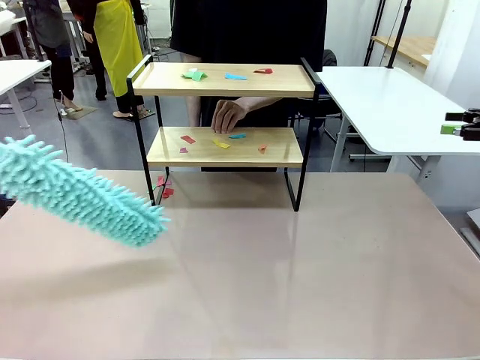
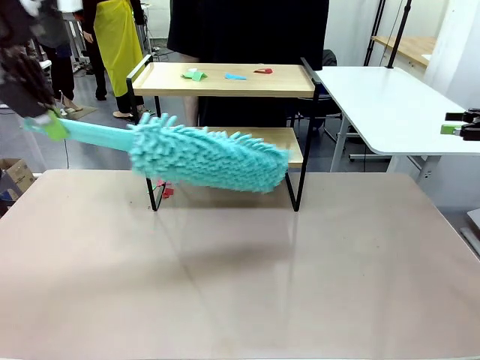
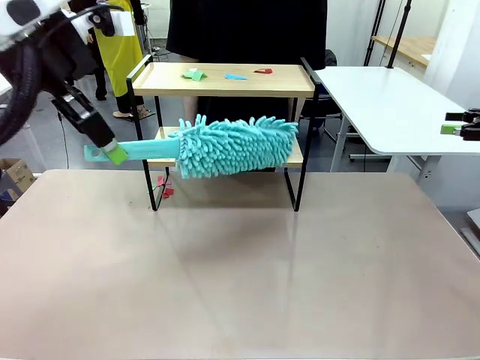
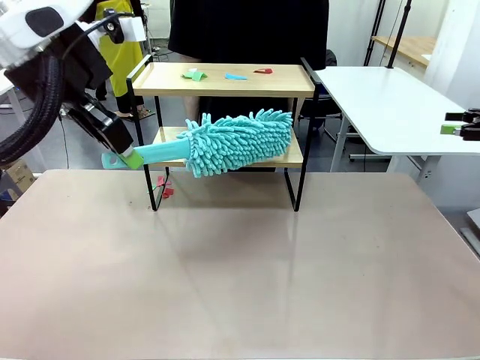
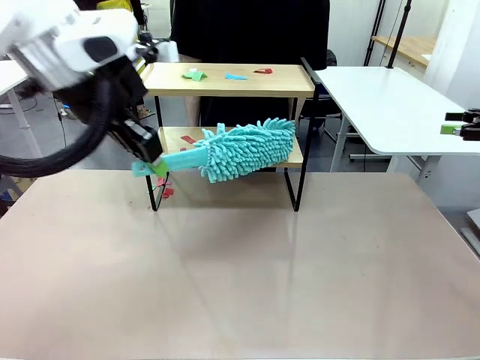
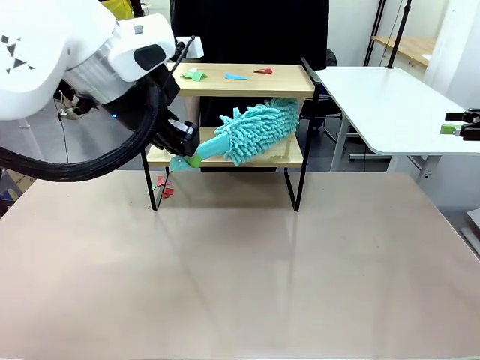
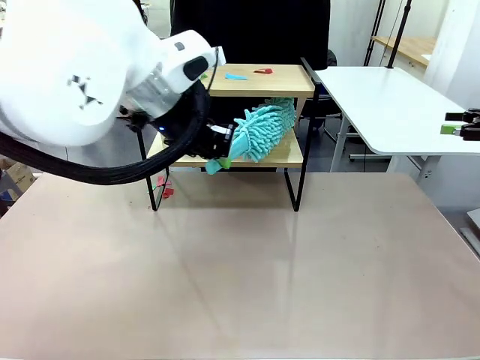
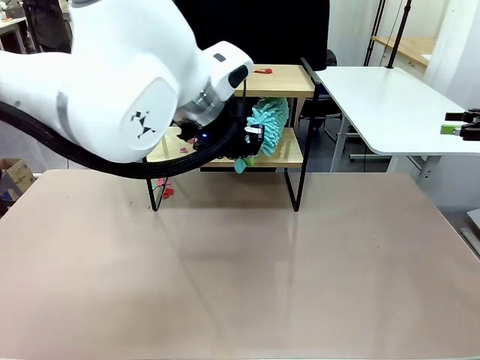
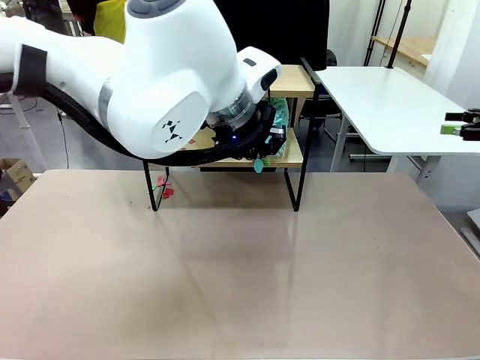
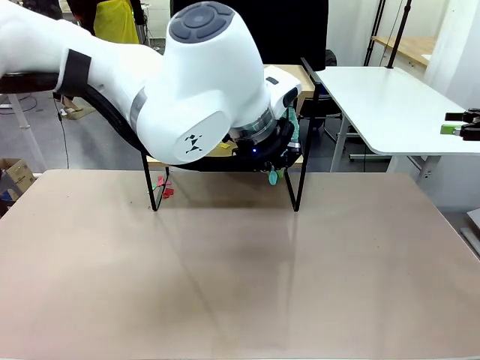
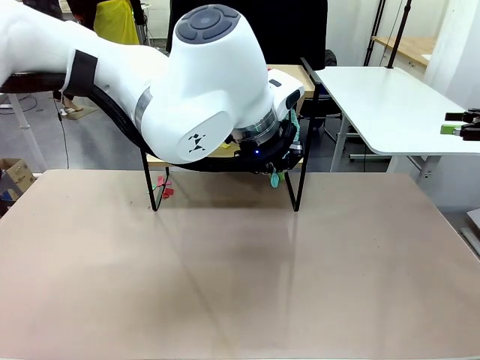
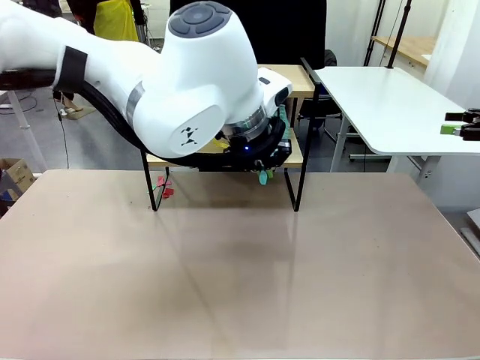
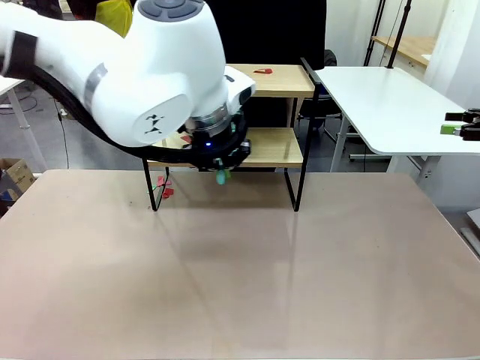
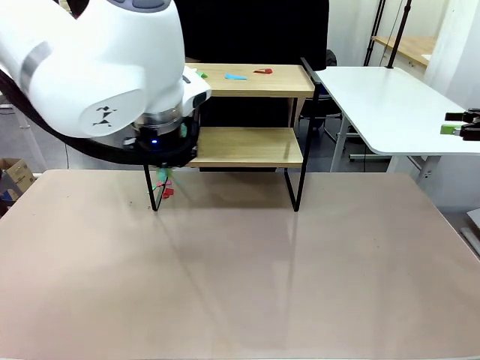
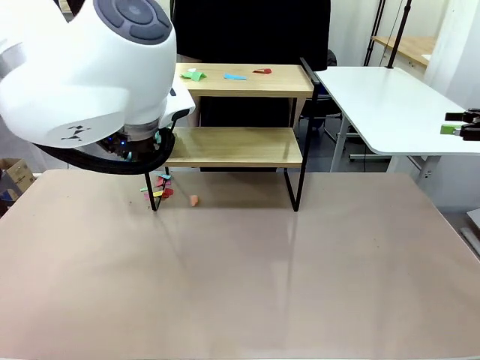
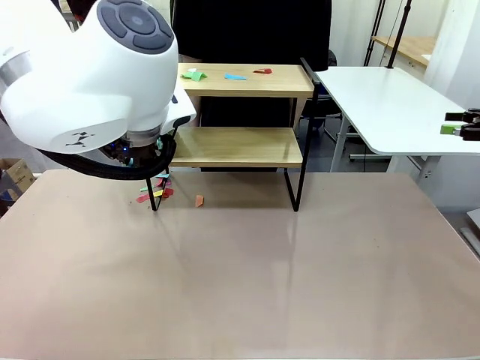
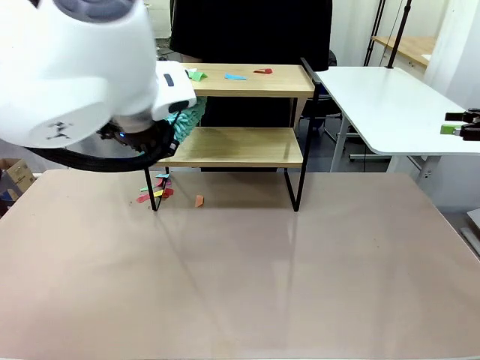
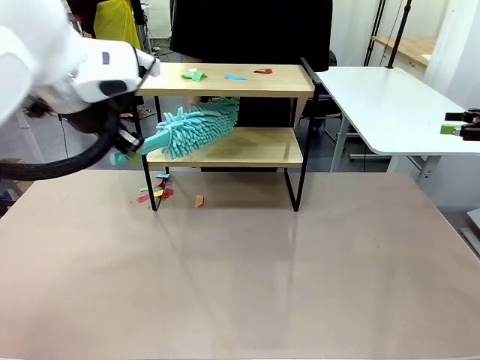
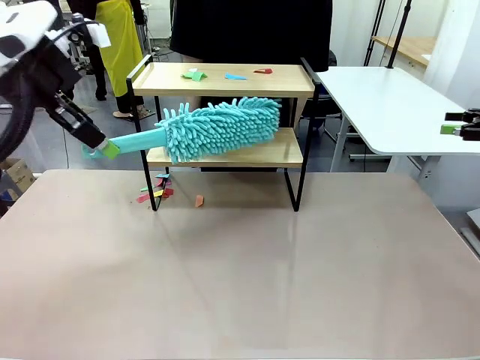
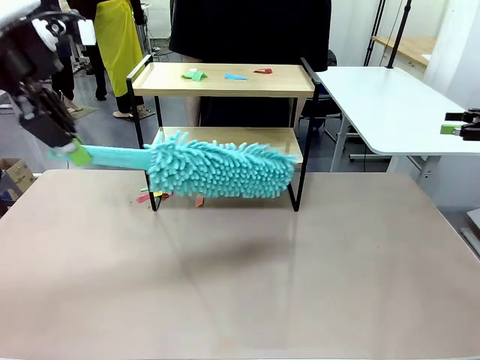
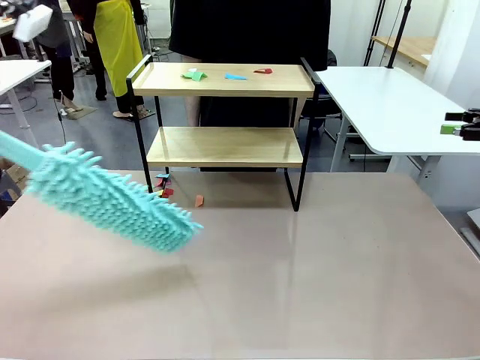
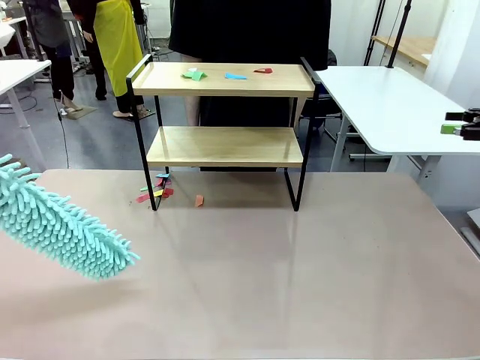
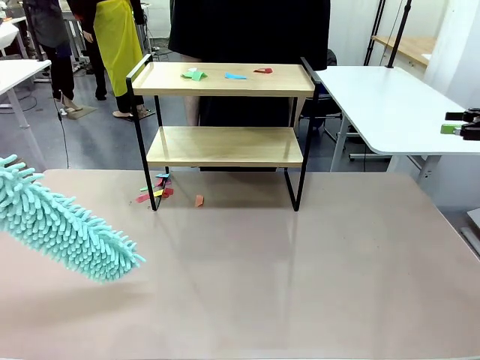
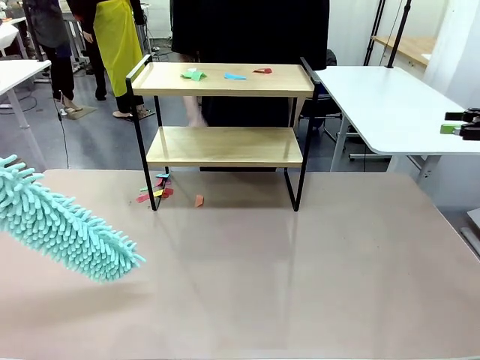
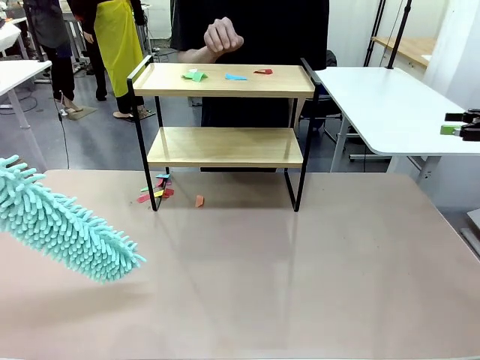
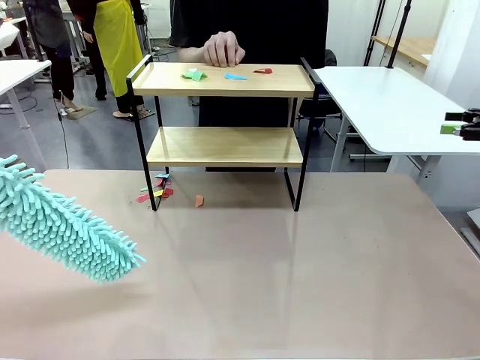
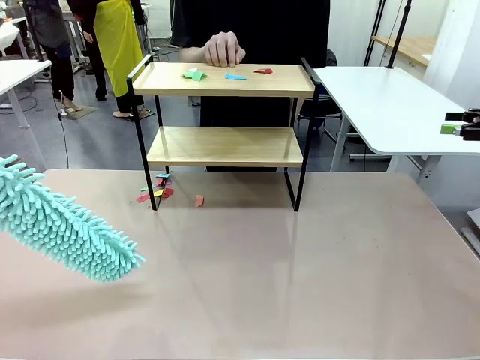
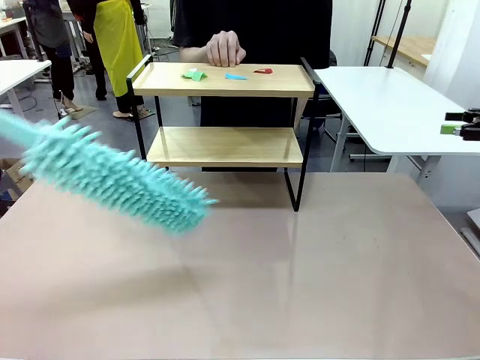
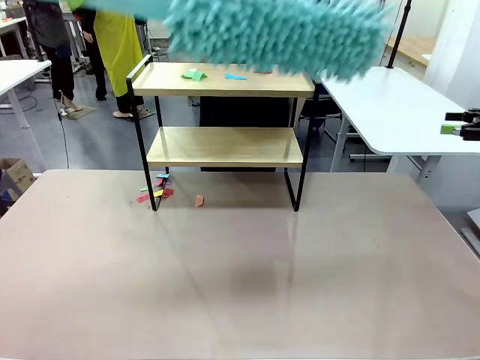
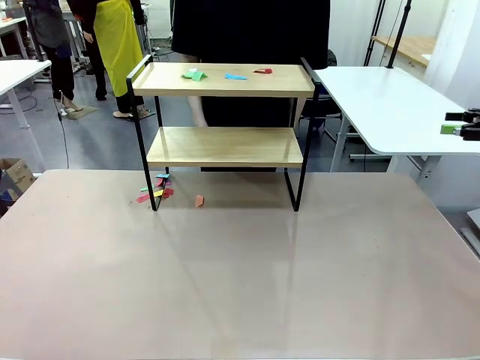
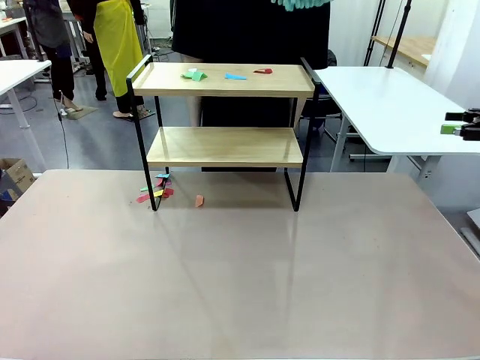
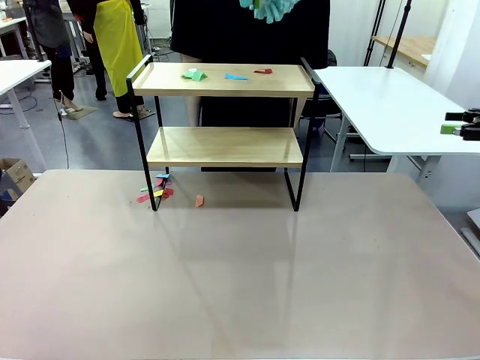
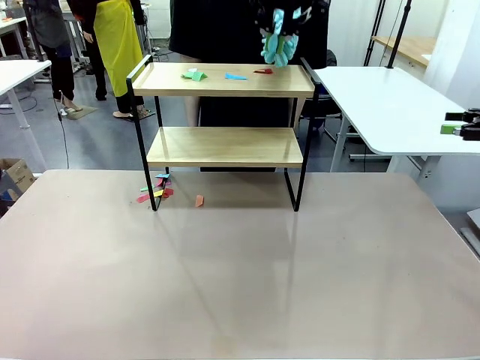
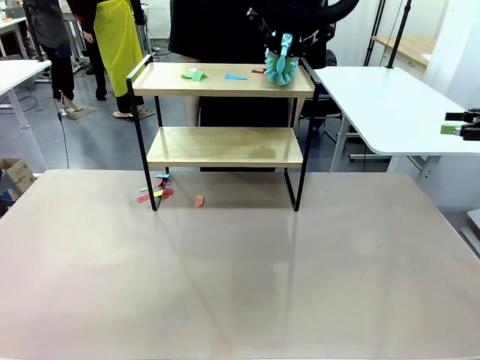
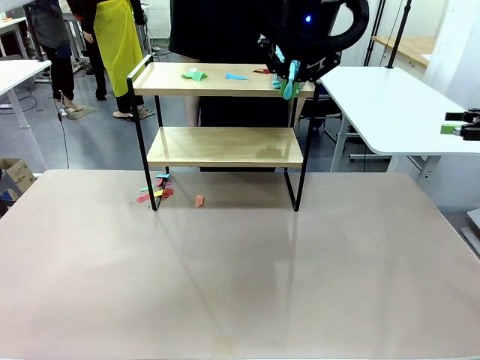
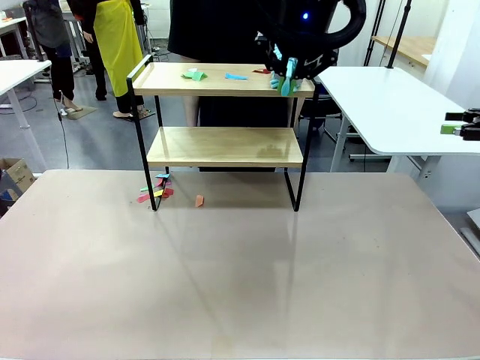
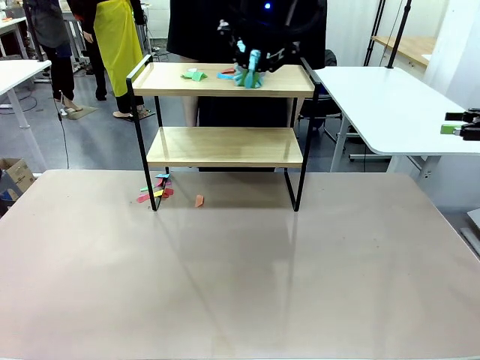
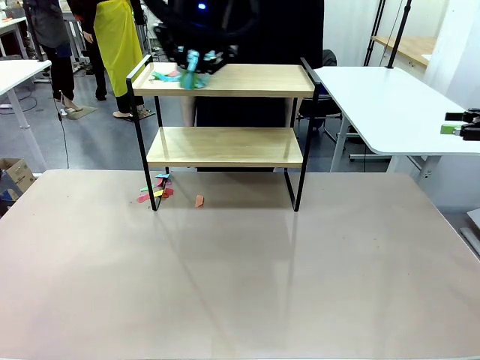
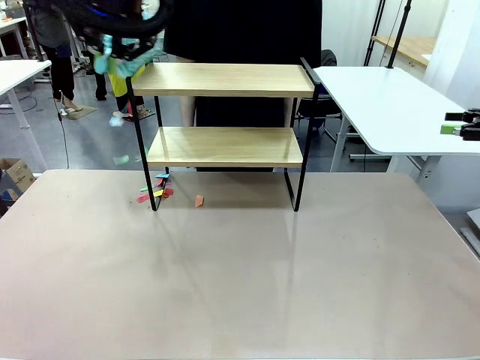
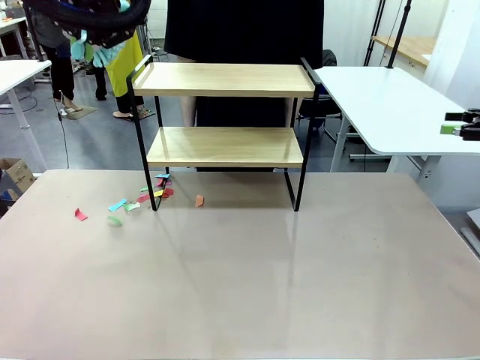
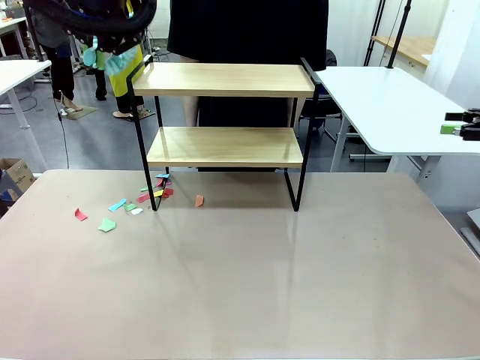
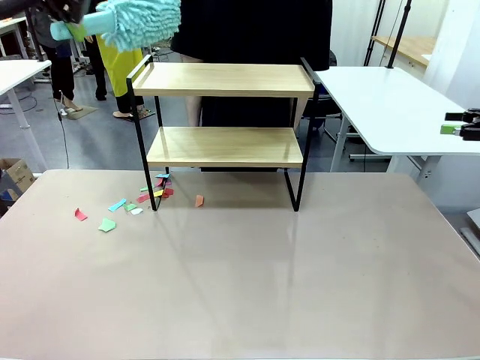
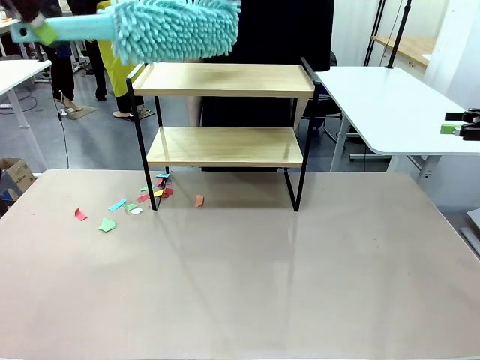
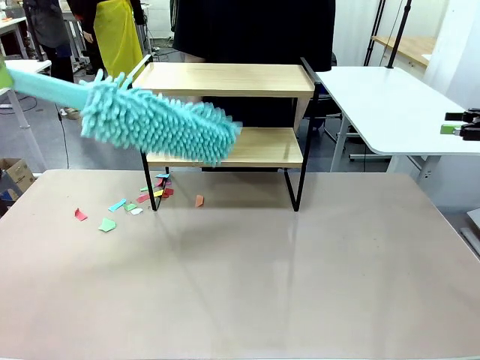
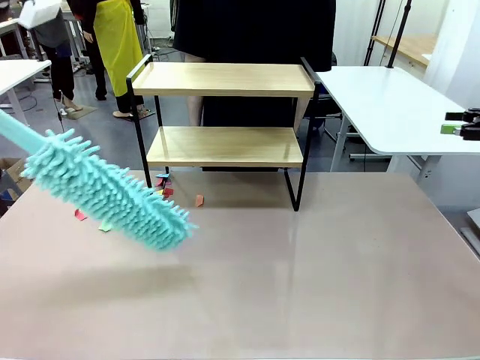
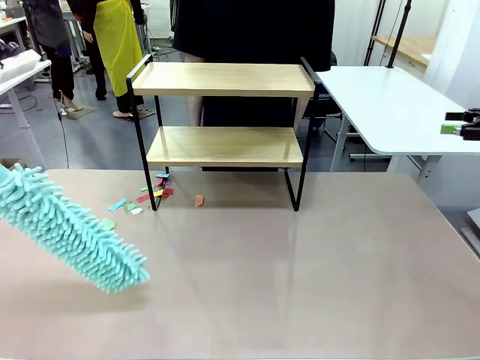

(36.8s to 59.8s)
Task: Clean the shelf.
Robot: Clean the specific section of the Shelf indicated by the human with the Duster.
Person: Point a remaining section of the Shelf.
